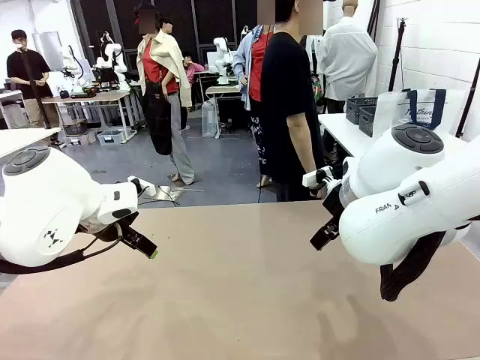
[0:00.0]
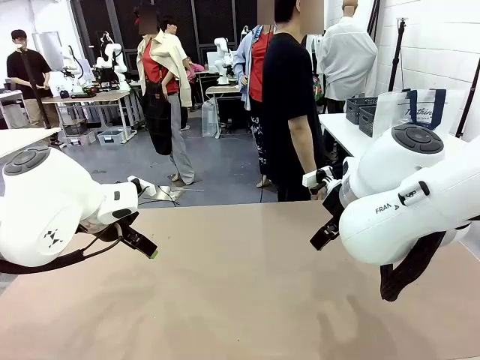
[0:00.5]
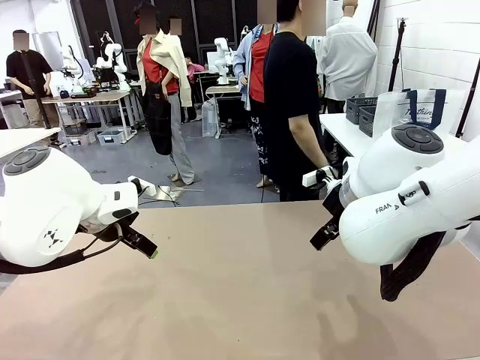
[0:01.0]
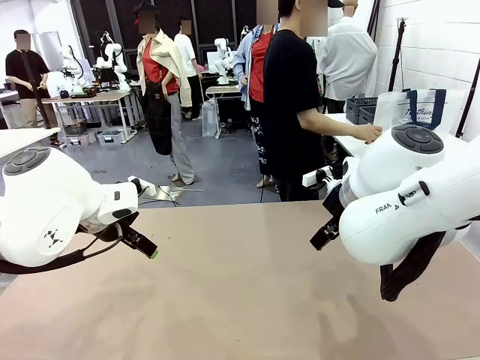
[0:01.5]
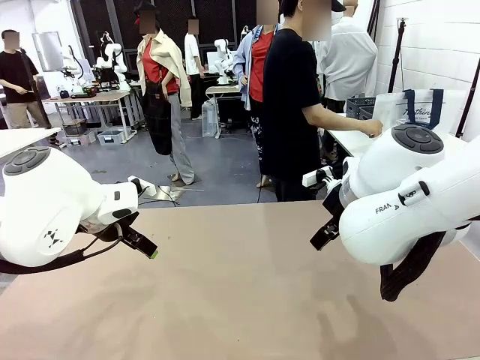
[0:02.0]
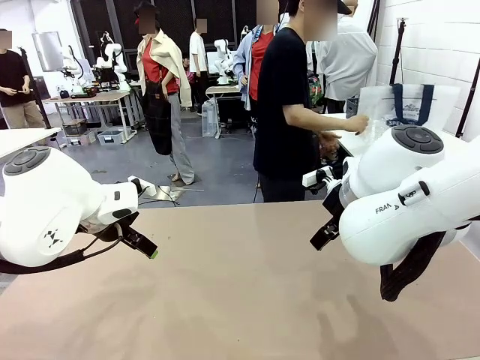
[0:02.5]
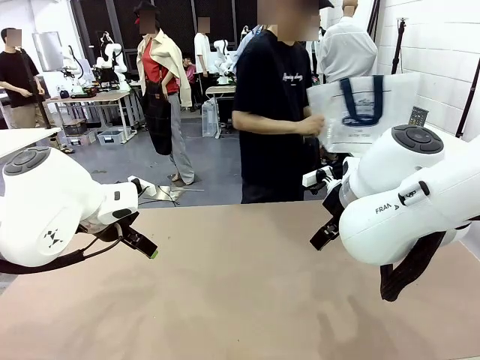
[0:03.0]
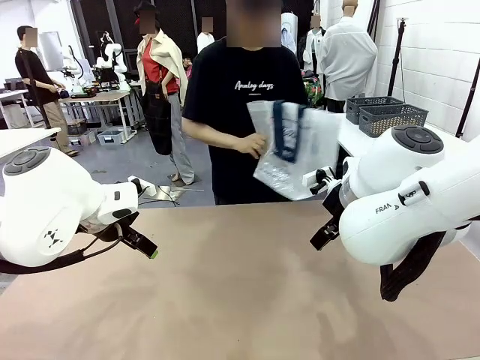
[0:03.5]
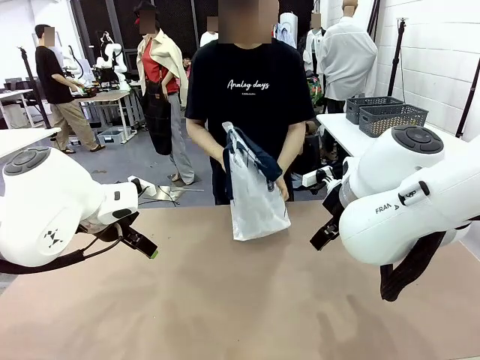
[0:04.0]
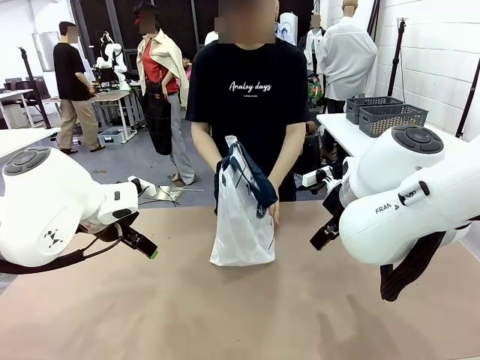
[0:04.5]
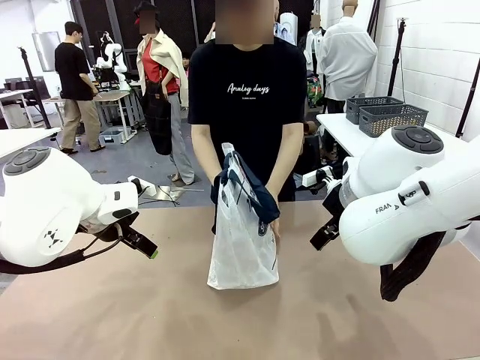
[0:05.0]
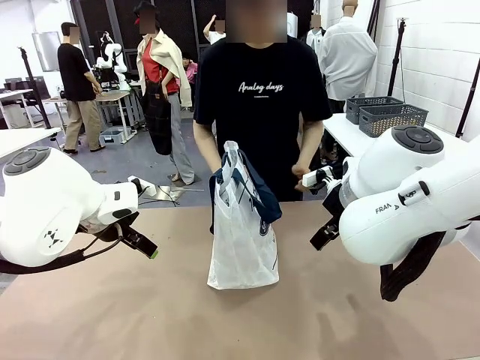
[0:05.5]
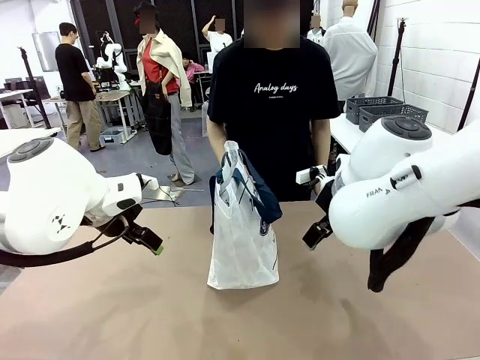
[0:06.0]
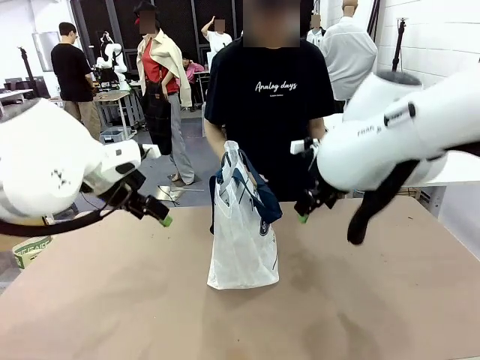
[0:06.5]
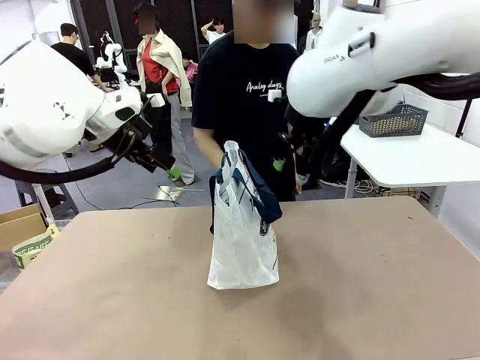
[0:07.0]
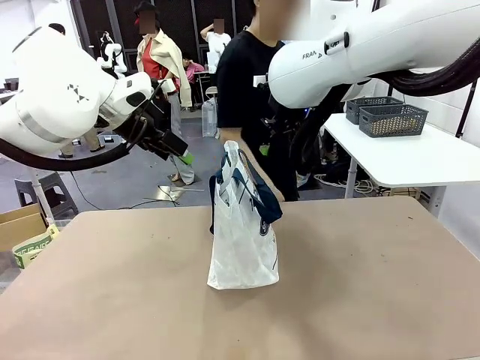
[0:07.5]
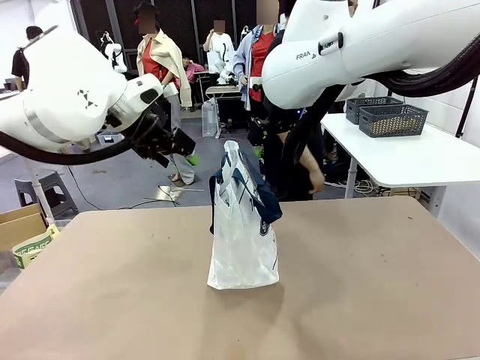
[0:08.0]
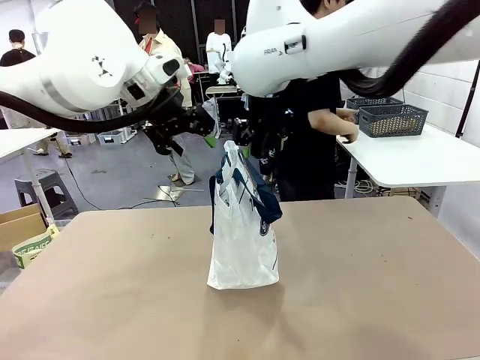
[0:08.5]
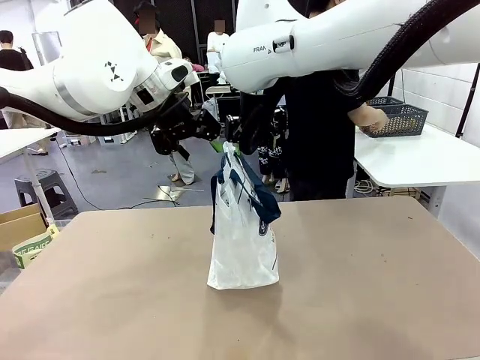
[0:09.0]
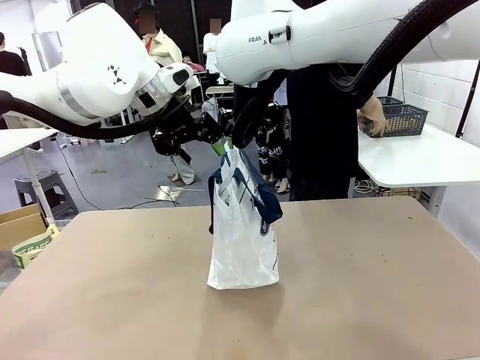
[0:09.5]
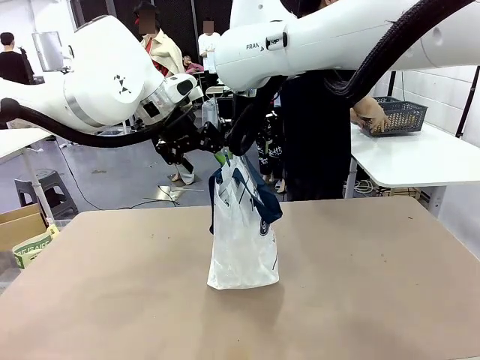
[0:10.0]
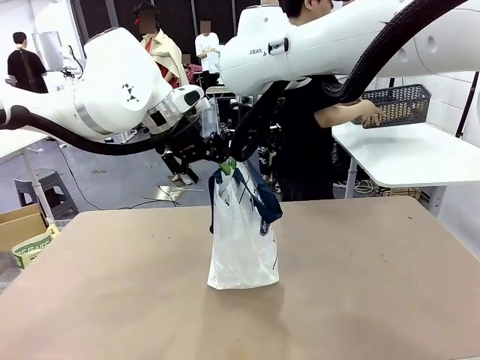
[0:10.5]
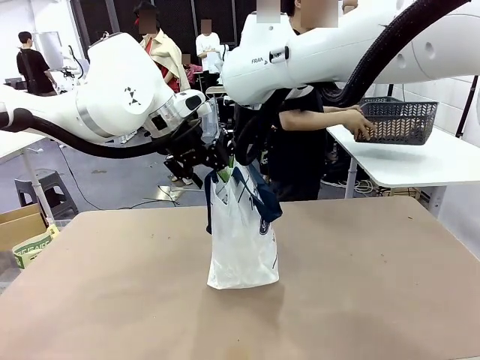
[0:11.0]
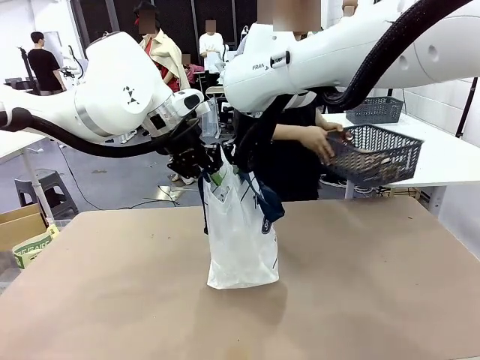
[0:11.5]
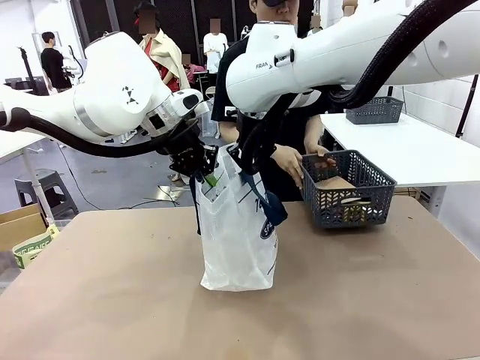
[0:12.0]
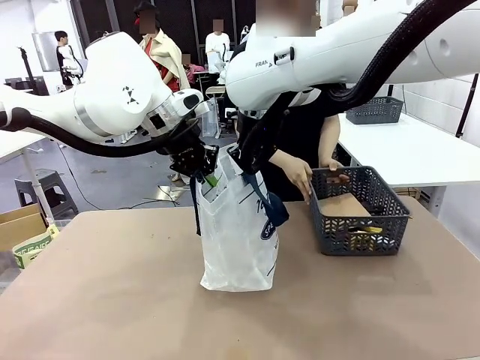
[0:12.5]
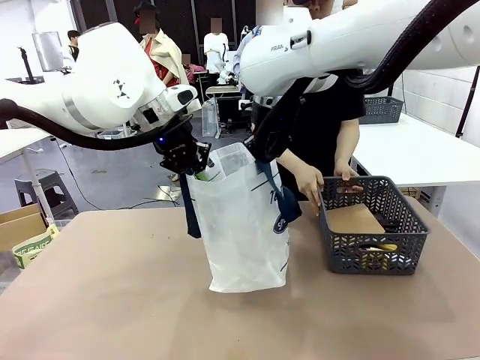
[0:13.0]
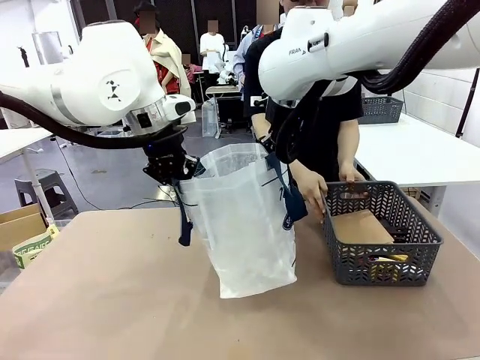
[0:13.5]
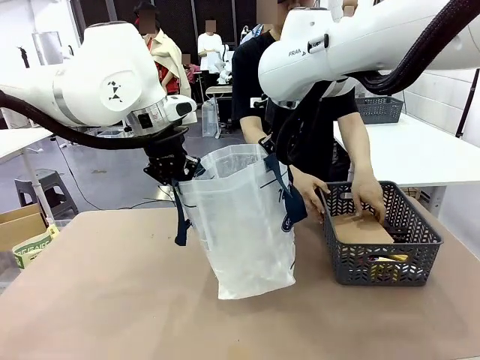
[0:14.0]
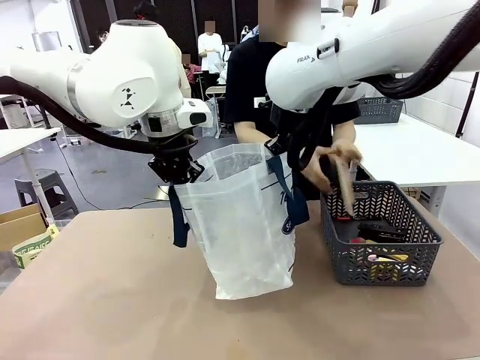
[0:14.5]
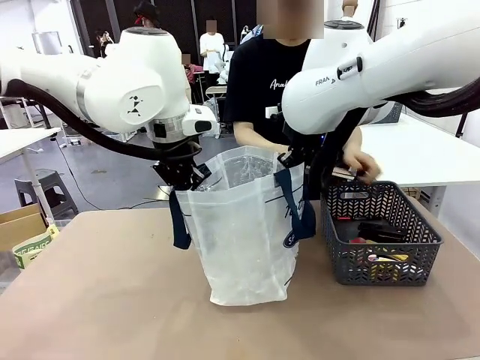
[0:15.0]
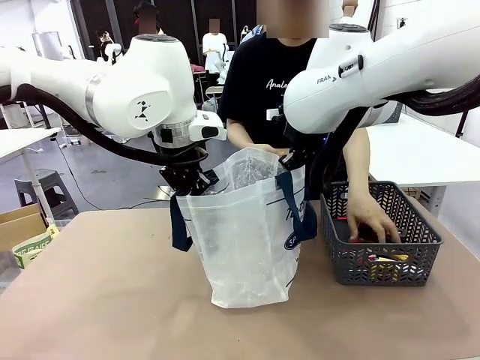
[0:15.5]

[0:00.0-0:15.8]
Task: Transfer purchased items from the store into the shopping bag.
Robot: Open the Reusable shopping bag in the center of the table.
Person: Pick up the shopping bag and place it in the middle of the robot table.

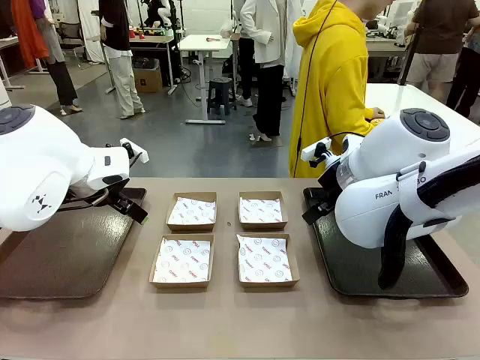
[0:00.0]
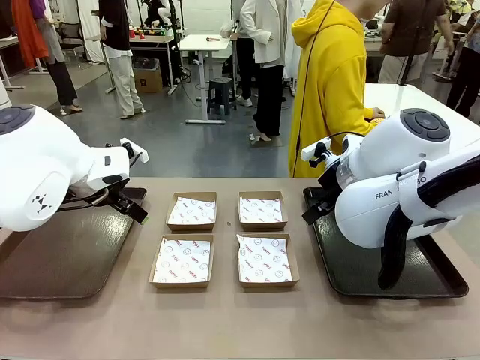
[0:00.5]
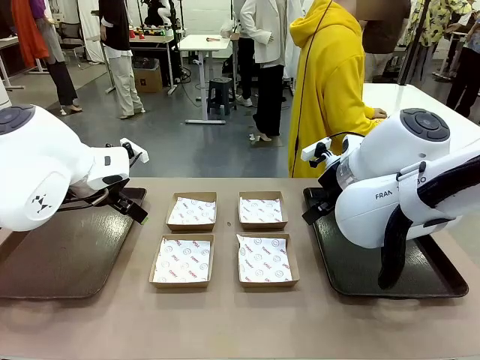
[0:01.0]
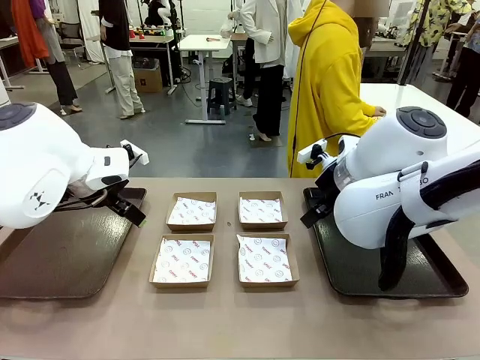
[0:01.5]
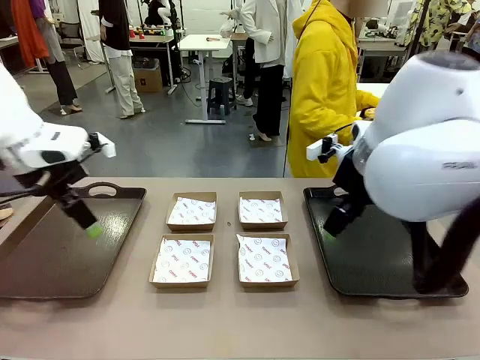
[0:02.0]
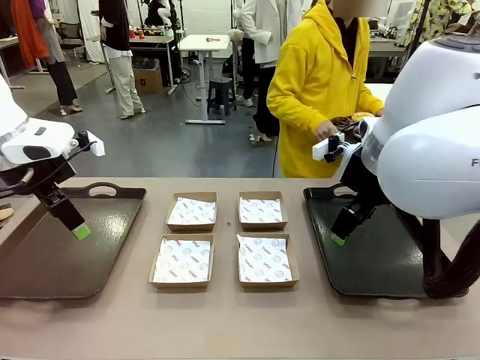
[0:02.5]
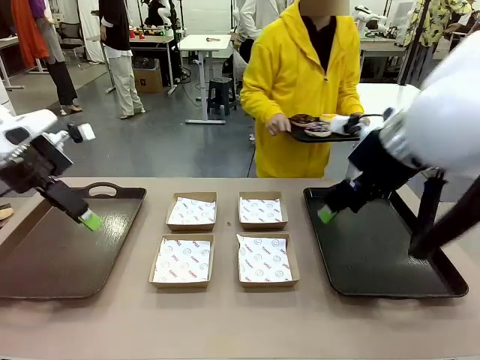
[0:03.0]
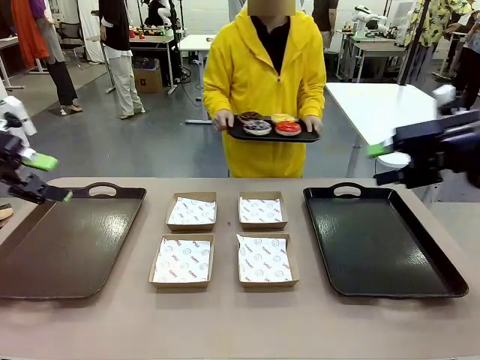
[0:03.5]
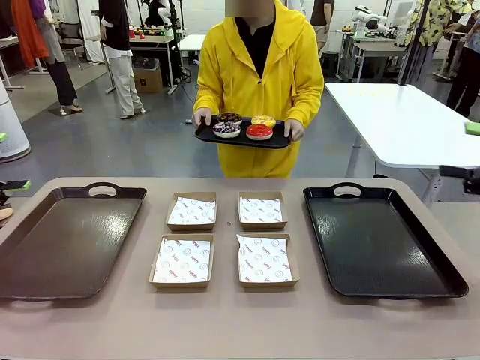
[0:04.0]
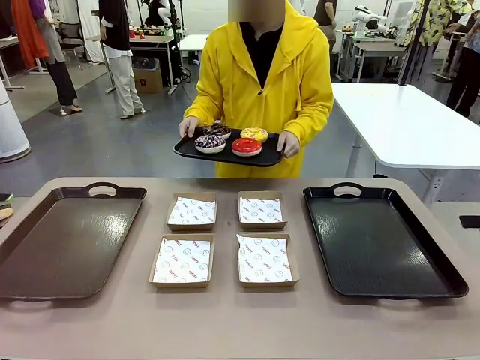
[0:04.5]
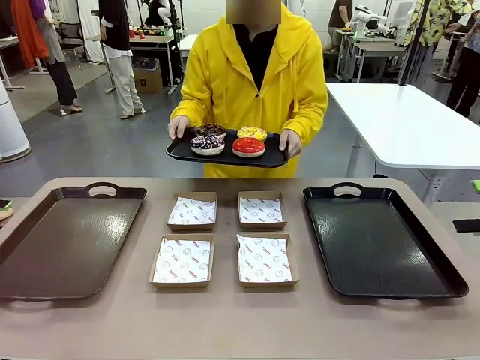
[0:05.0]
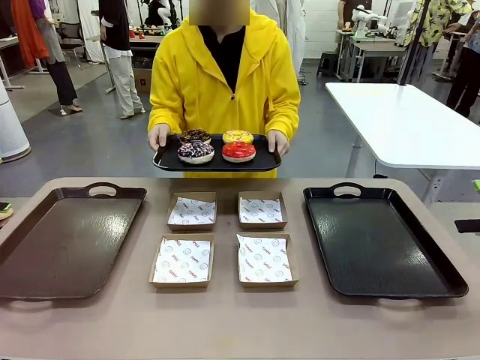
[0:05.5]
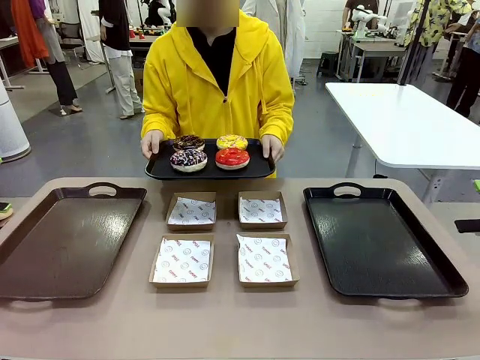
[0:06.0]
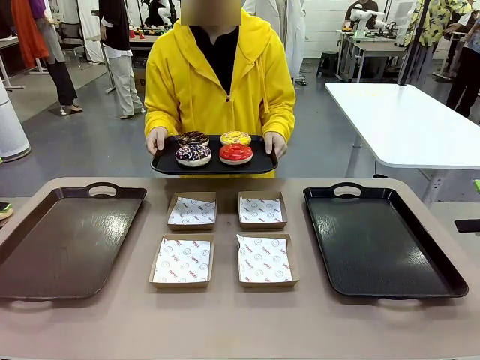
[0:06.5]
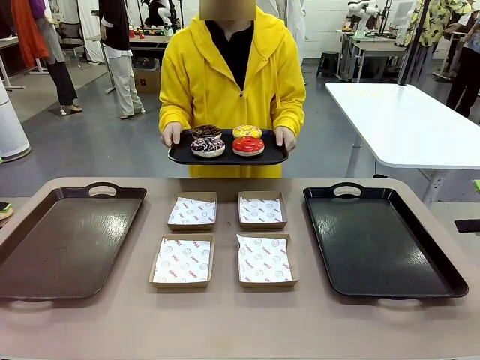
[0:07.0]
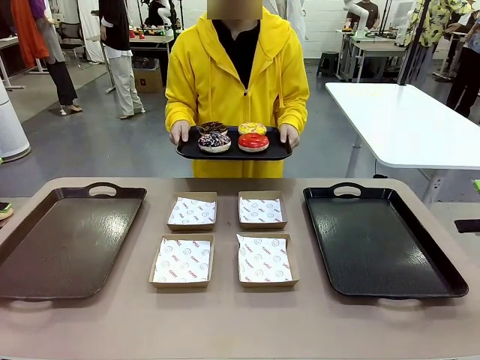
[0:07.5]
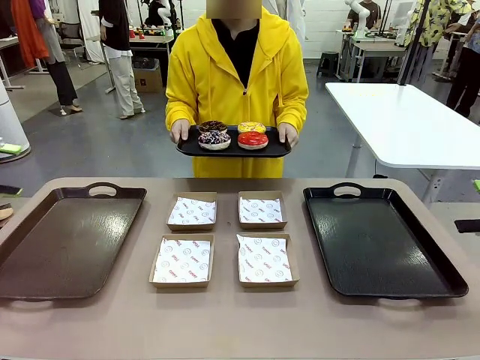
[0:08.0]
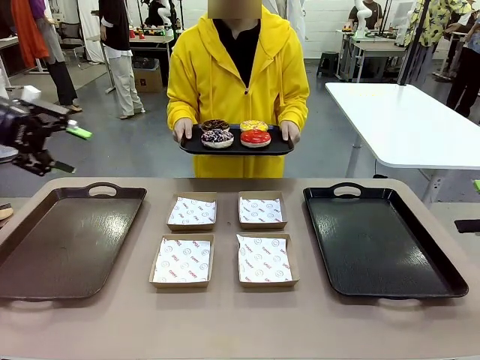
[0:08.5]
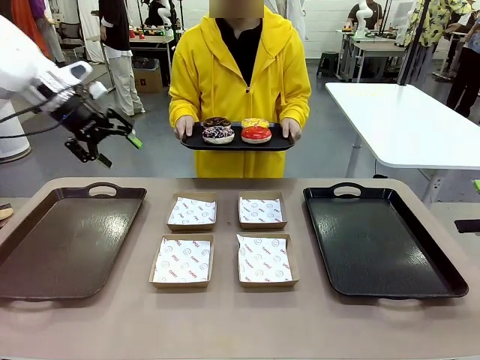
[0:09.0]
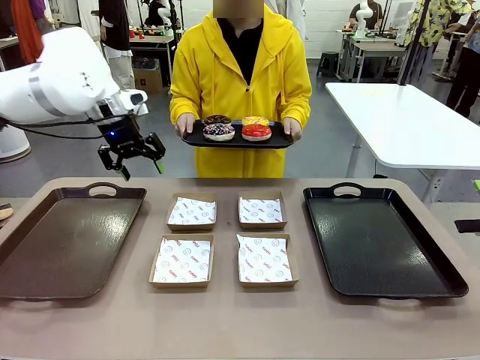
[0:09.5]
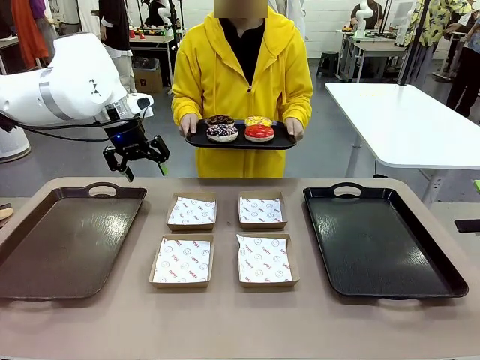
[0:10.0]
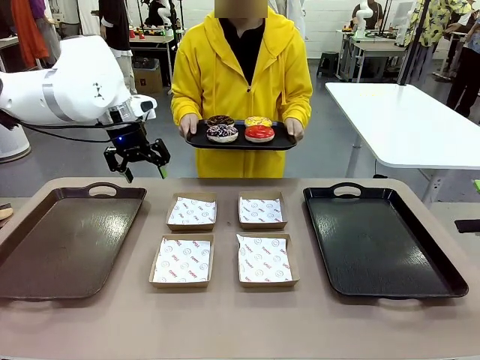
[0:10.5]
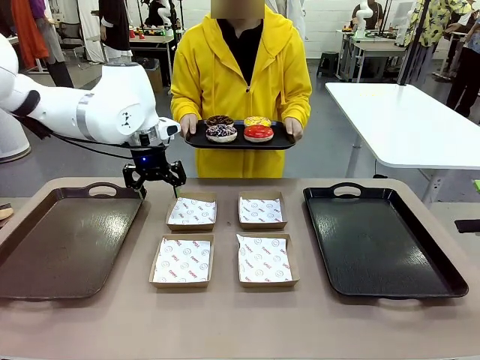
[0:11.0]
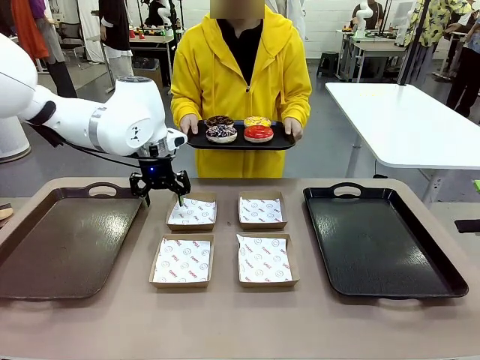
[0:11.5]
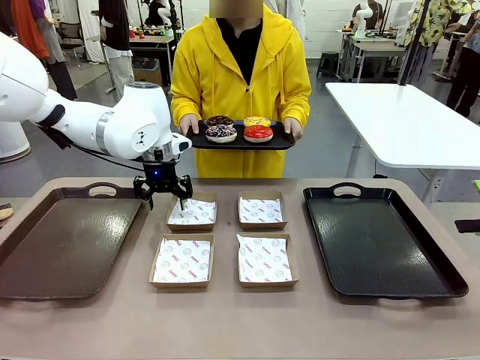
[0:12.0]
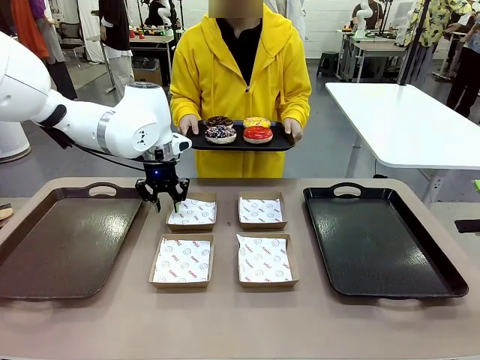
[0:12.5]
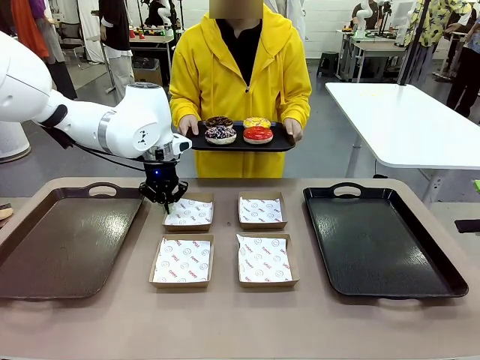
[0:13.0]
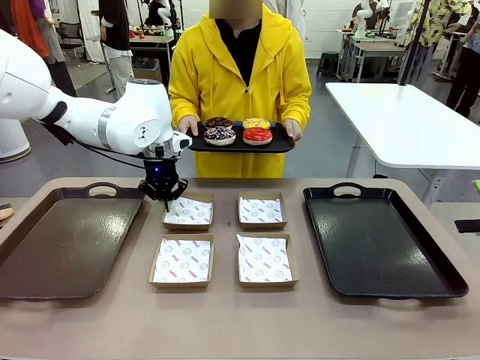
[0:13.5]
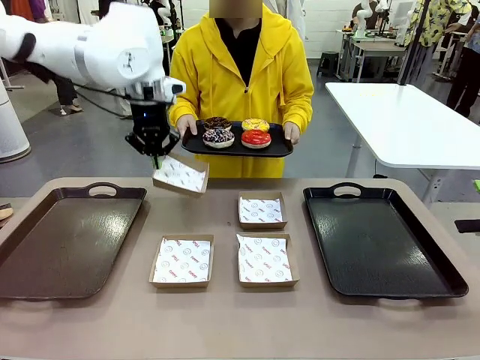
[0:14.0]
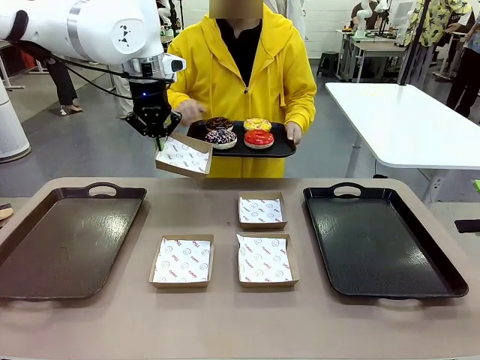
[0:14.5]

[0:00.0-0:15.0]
Task: Individually package the donuts and arrange them on the tray.
Robot: Pick up one Paper togo box.
Person: Stand in front of the robot table holding the tray containing the donuts.
